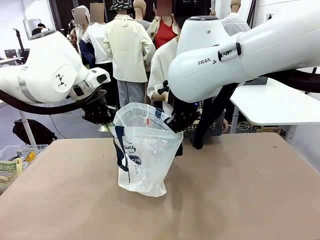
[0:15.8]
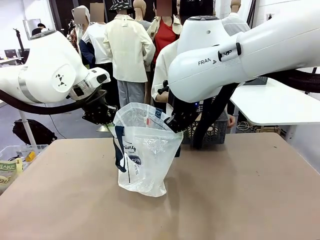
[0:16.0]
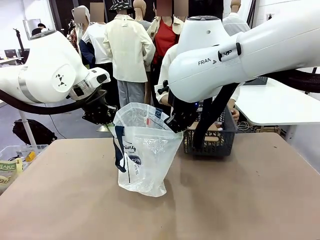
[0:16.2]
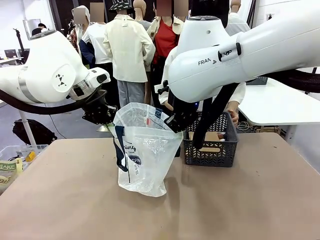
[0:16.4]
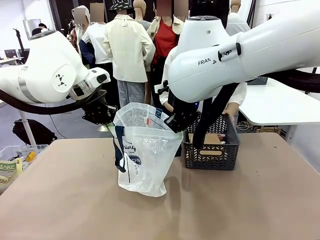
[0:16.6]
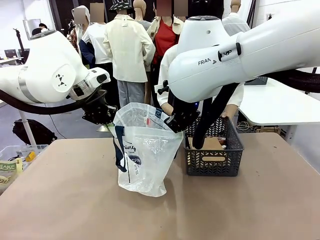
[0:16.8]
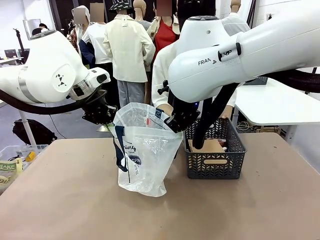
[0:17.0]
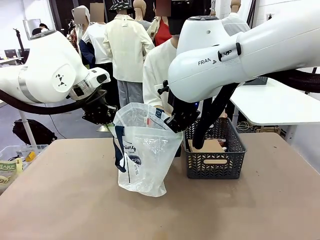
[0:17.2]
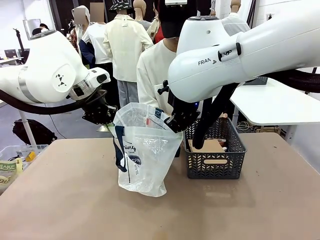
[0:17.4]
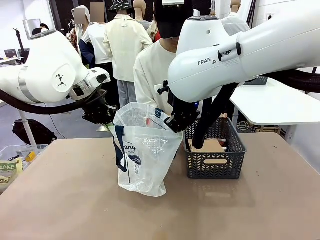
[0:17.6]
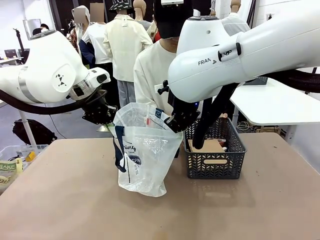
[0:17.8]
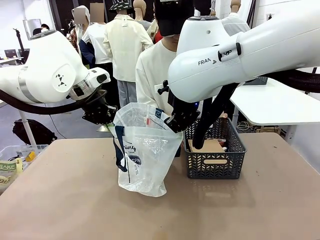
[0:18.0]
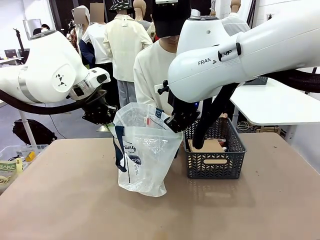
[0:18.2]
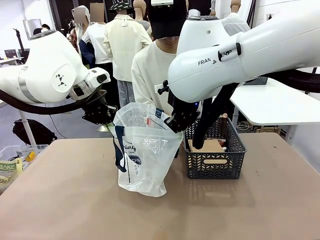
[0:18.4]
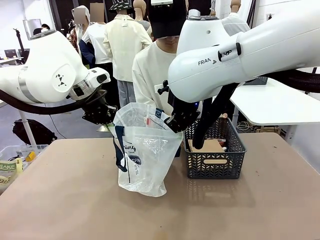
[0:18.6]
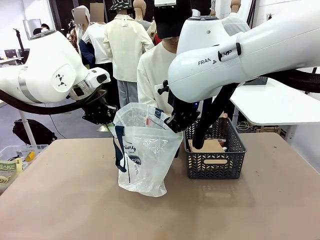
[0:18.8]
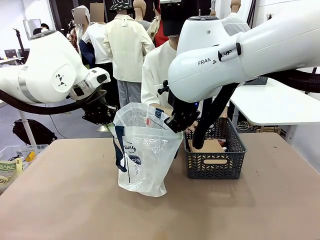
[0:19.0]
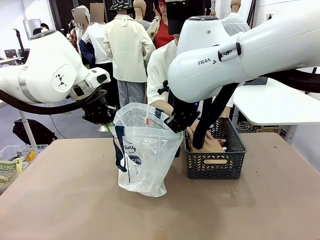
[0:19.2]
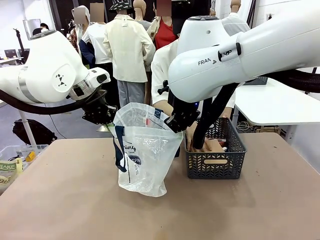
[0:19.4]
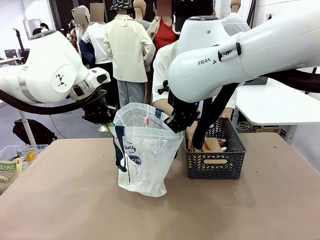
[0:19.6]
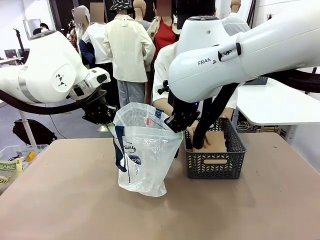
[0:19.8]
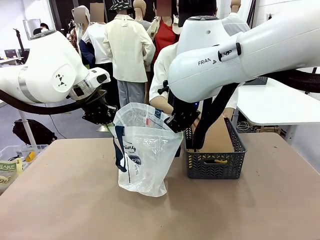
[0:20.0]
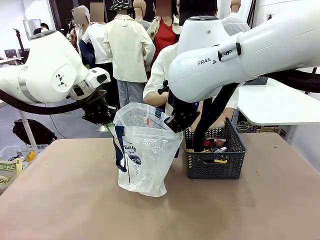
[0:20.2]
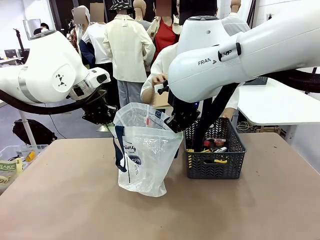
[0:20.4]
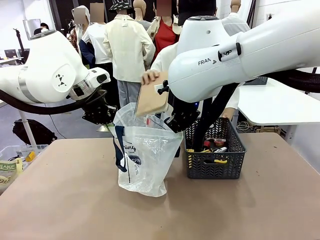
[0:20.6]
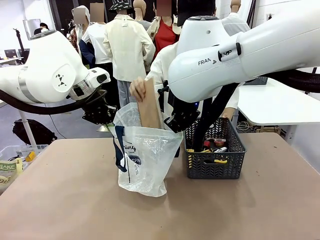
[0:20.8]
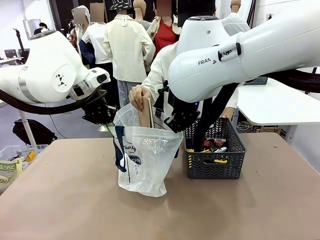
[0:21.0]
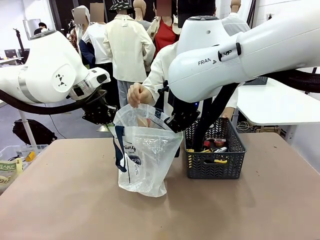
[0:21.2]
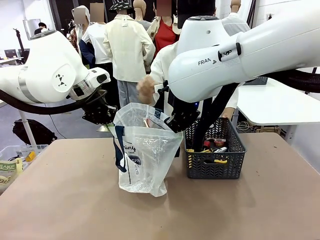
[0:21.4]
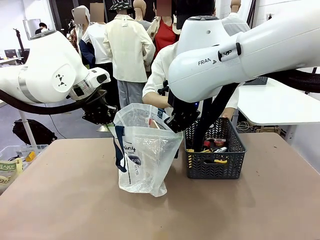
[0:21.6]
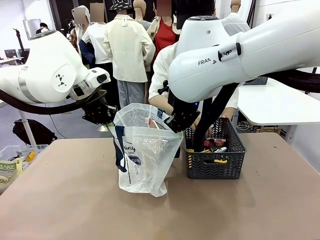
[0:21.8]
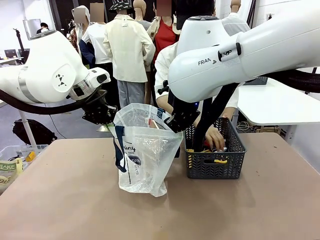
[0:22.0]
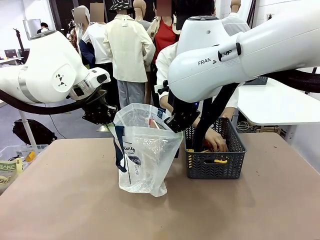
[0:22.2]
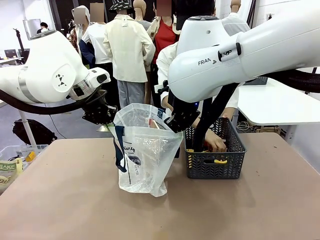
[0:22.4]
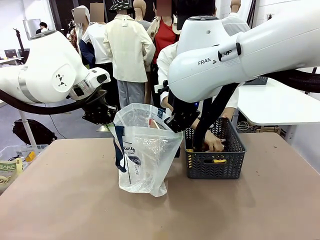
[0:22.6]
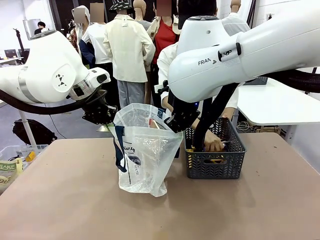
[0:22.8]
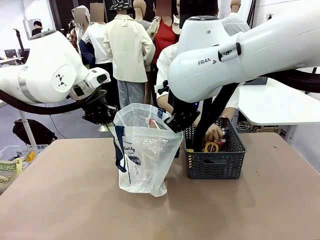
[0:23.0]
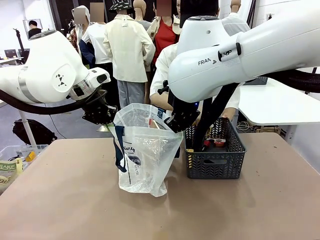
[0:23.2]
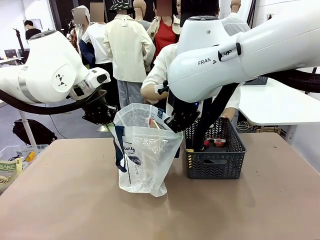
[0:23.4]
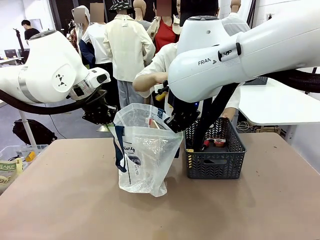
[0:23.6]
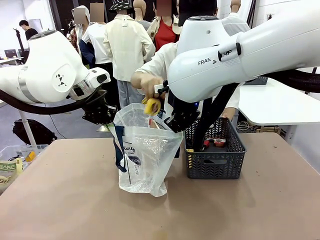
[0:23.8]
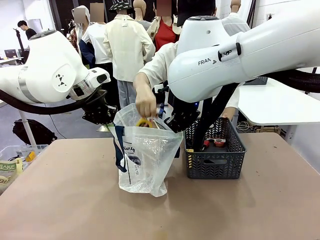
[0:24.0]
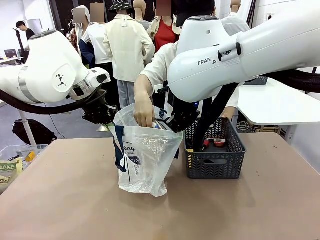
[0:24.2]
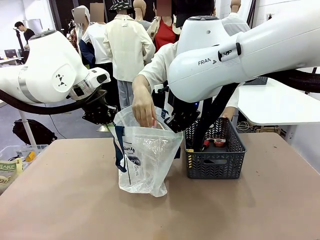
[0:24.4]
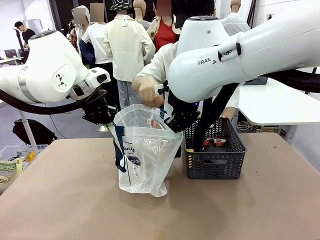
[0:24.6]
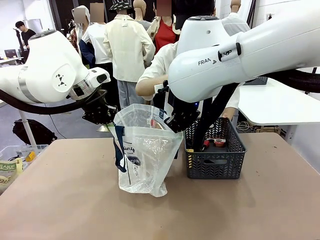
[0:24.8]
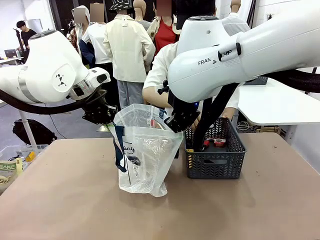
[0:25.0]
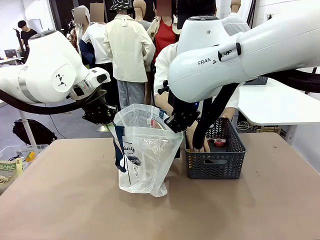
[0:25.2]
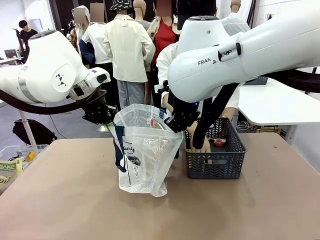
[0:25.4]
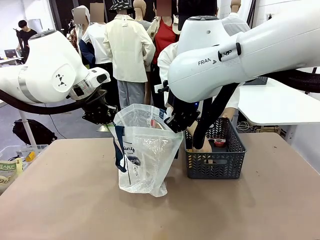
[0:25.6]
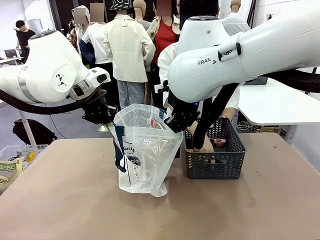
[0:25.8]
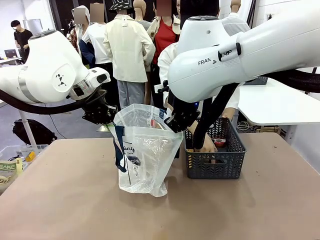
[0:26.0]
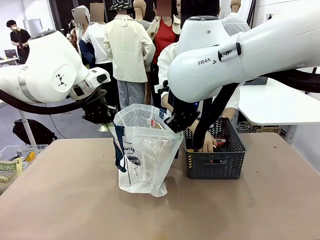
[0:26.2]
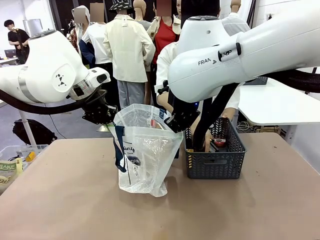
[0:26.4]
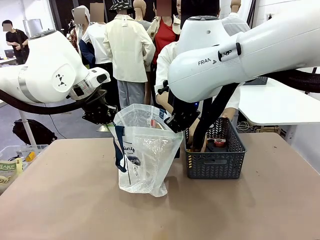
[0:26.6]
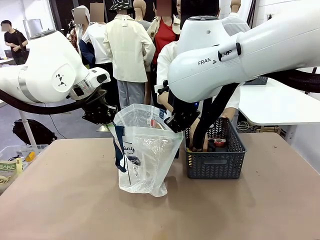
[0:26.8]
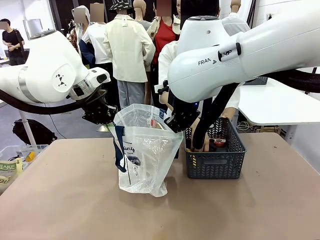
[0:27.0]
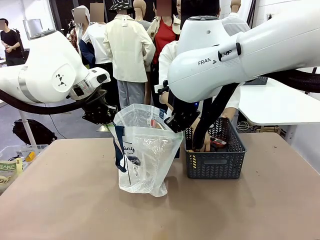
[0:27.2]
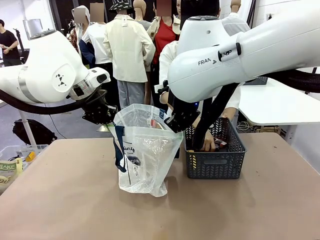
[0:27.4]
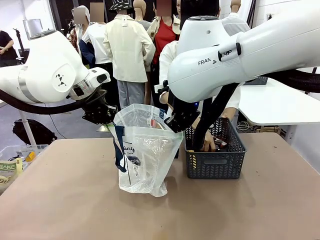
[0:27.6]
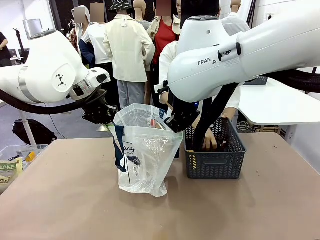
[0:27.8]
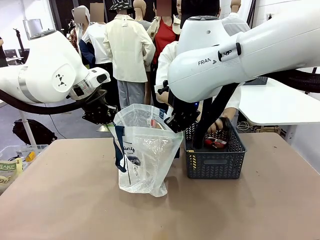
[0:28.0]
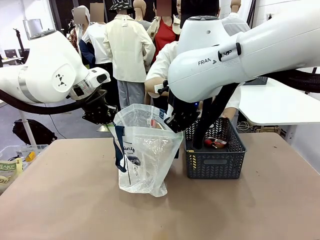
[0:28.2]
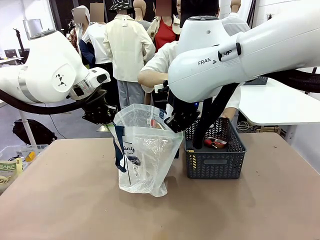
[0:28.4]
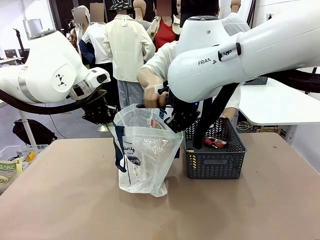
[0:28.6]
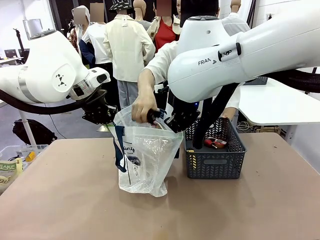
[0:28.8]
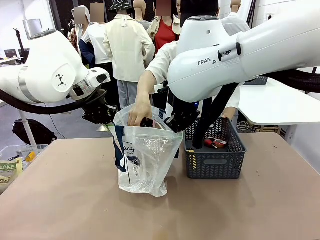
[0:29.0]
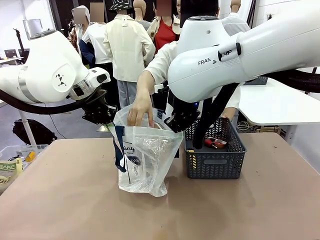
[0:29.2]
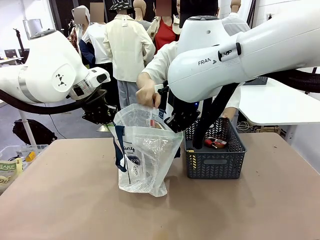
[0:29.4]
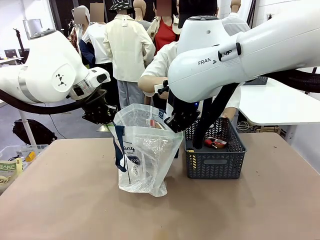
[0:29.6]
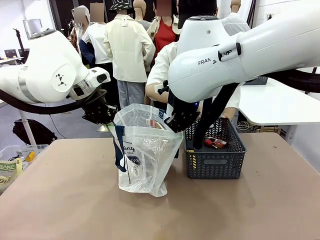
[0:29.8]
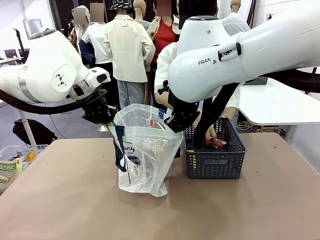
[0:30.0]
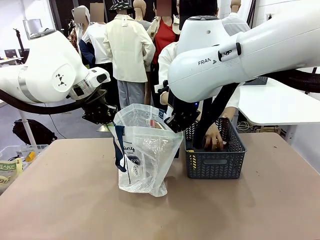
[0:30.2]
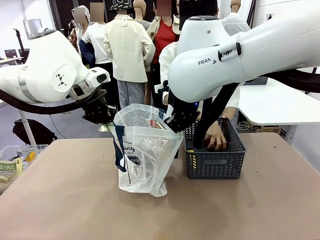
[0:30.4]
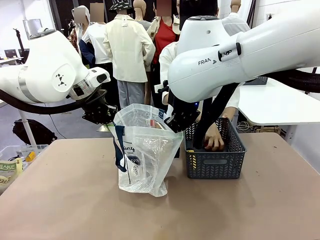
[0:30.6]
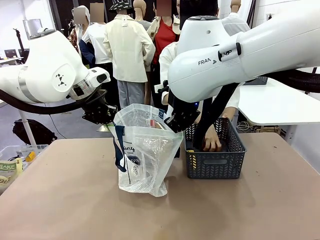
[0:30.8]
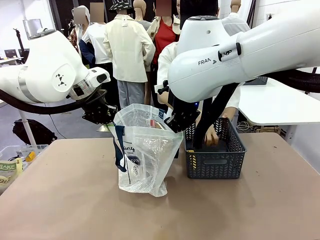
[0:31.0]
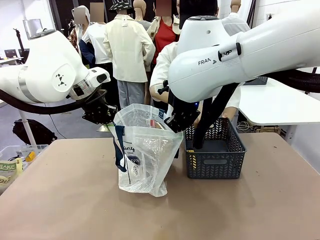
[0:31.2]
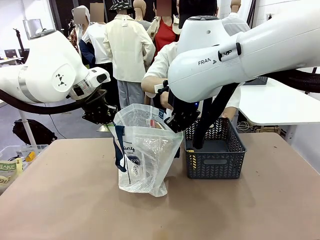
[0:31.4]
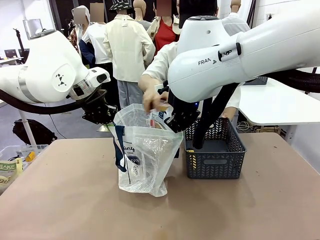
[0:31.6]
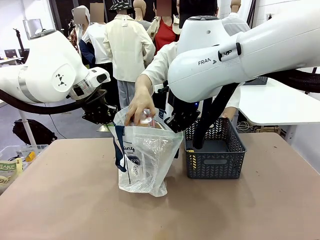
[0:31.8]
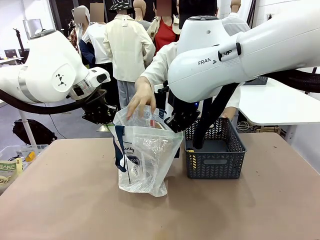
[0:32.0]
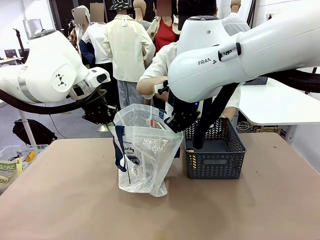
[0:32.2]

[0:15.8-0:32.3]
Task: Transfer purchased items from the store into the shopping bag.
Robot: Move the Reusable shopping bag to the right side of the table.
Person: Pick up the basket with the items out and place it on the right side of the human table.

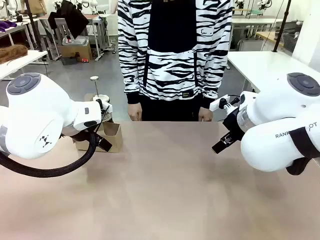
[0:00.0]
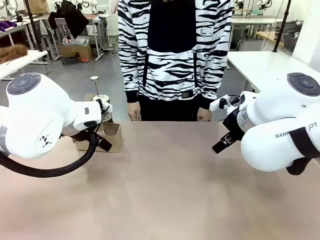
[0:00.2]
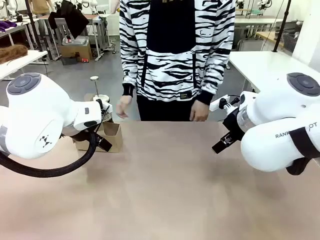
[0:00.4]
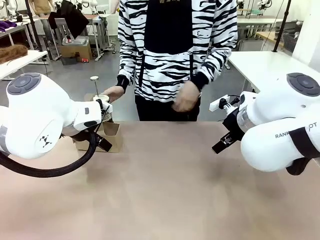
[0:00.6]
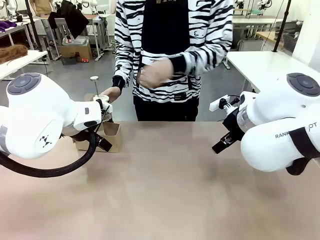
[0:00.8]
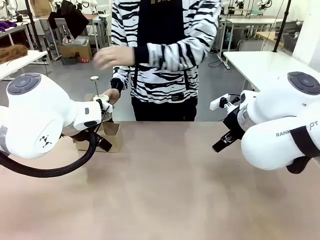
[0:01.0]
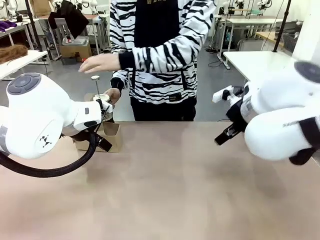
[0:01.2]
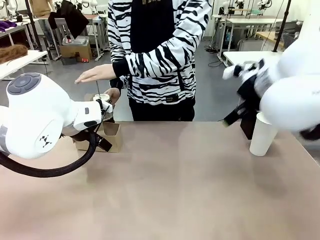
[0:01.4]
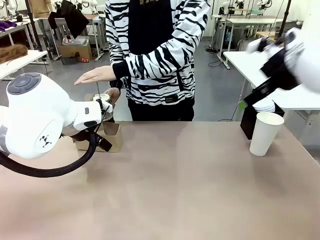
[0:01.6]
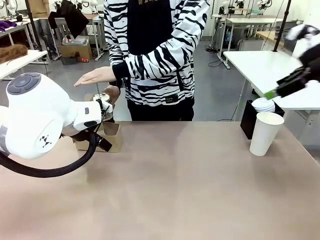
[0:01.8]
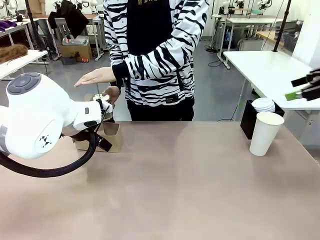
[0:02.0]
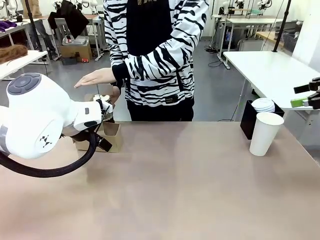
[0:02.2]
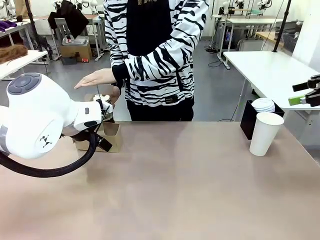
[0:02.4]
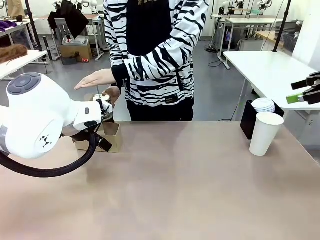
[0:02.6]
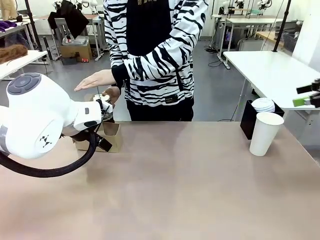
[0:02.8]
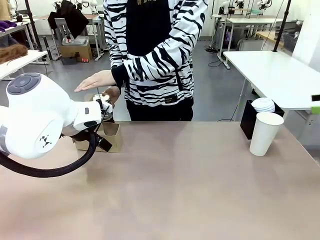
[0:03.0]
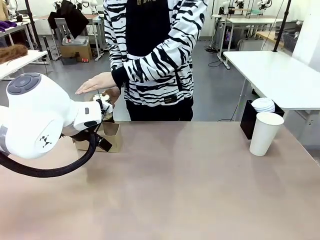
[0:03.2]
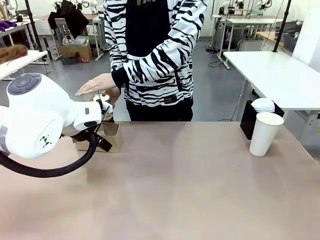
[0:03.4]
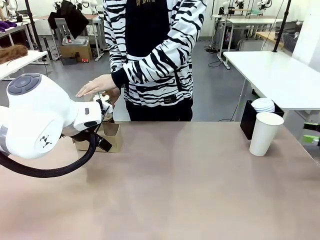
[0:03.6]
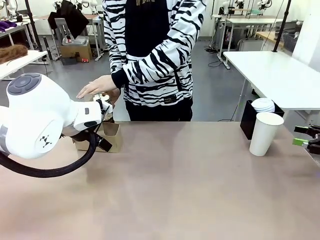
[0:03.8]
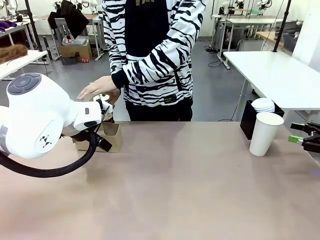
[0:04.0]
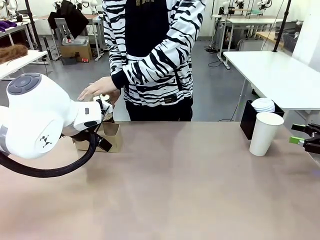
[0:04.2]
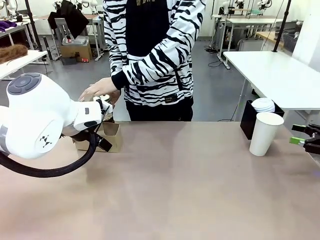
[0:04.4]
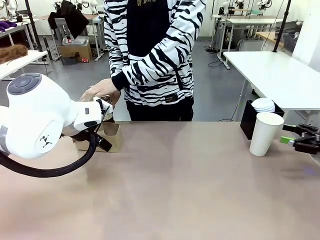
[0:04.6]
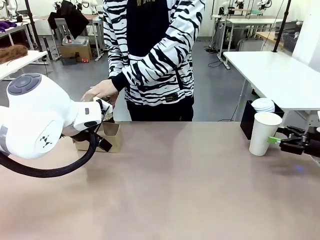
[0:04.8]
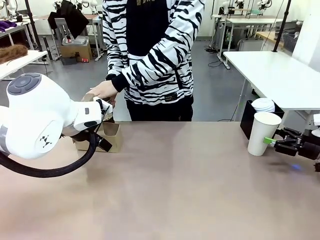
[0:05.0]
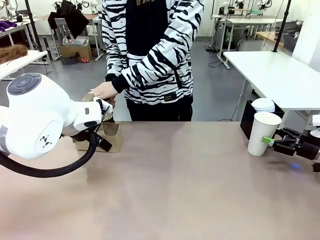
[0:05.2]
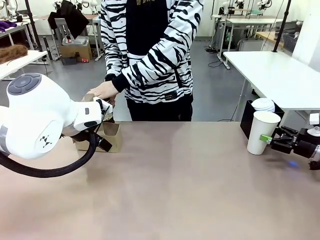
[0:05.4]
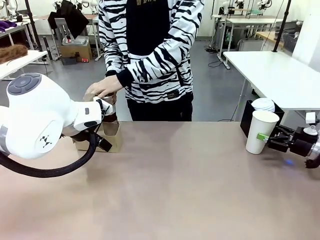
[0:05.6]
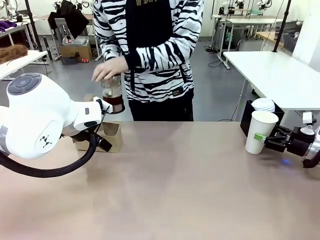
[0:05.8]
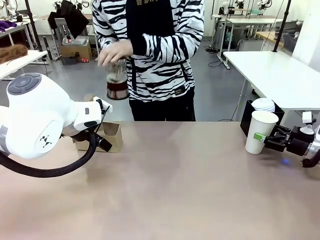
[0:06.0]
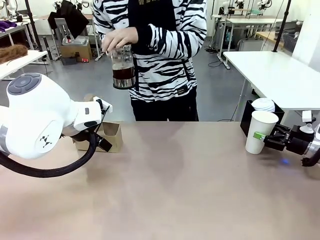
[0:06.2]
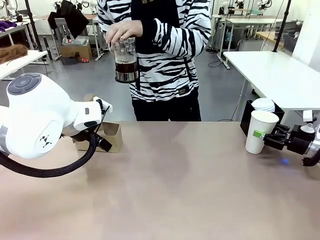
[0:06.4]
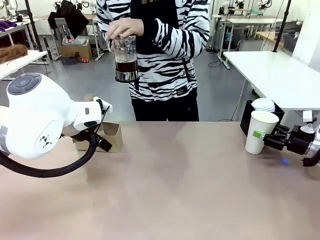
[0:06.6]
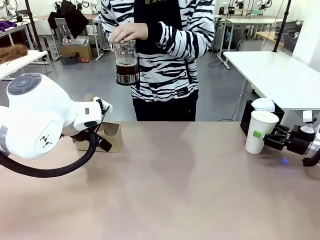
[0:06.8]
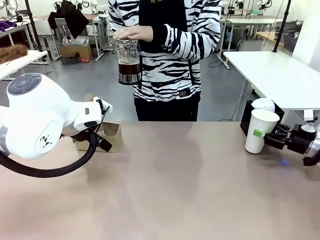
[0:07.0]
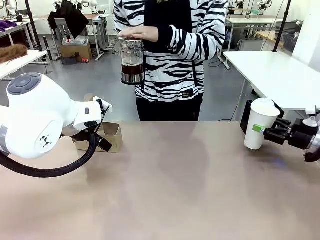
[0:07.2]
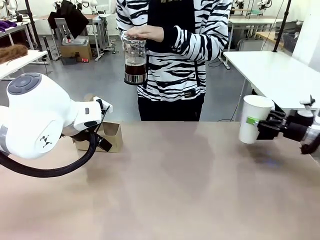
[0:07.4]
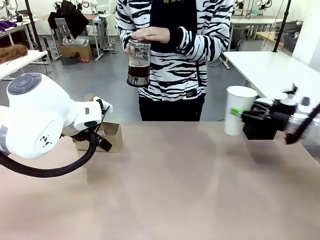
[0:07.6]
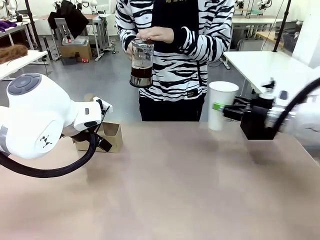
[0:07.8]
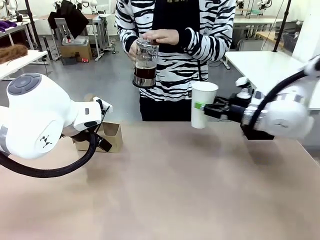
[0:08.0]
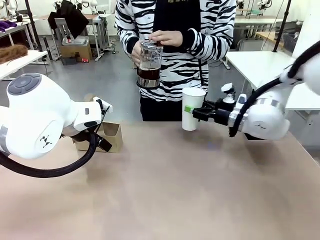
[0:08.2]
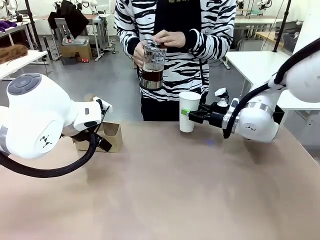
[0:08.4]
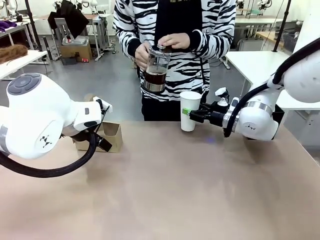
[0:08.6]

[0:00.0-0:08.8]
Task: Pour a drink into a cup and package it in a carrier.
Robot: Pick up the 600 ml Paper Cup and place it in the middle top area of the table.
Person: Press and pick up the Filter Brewing.
